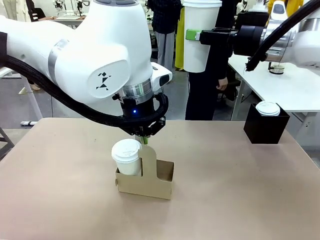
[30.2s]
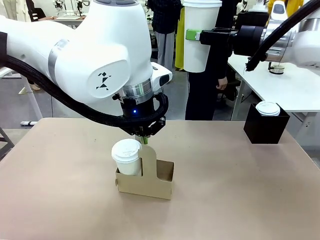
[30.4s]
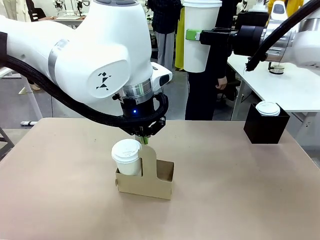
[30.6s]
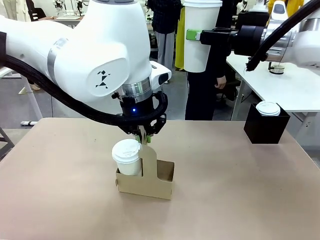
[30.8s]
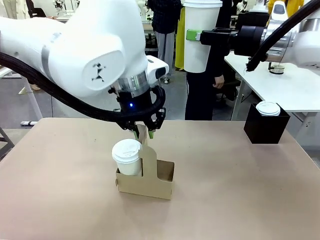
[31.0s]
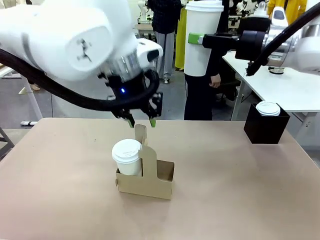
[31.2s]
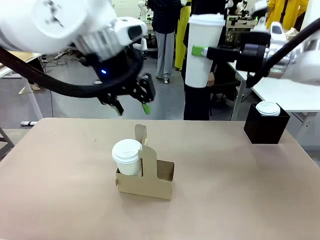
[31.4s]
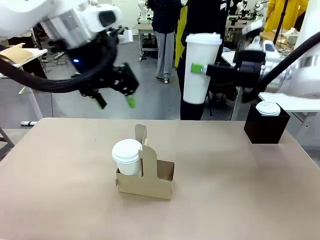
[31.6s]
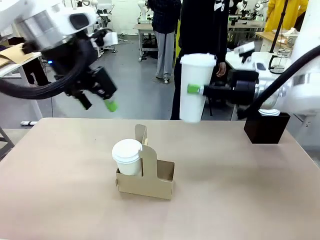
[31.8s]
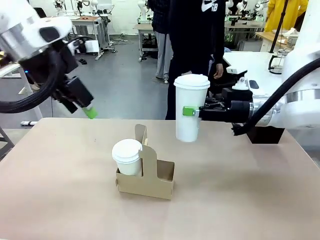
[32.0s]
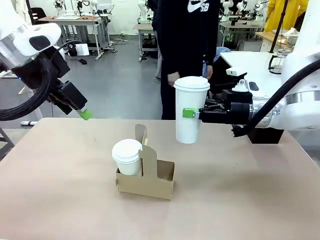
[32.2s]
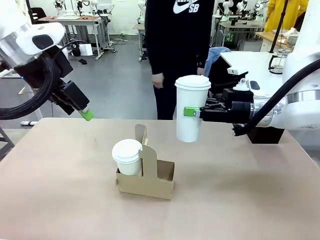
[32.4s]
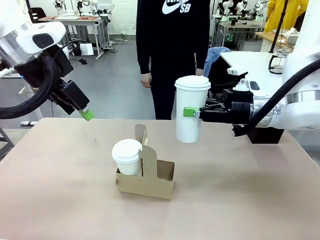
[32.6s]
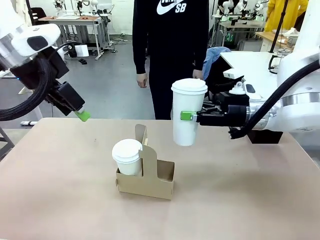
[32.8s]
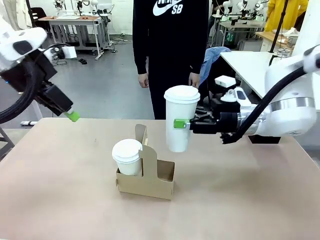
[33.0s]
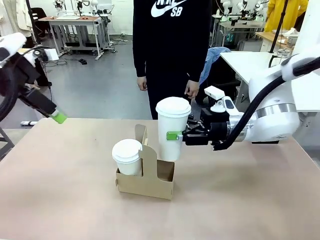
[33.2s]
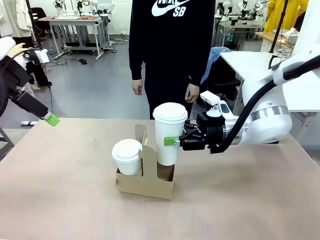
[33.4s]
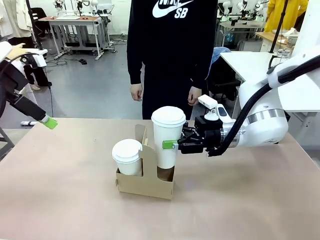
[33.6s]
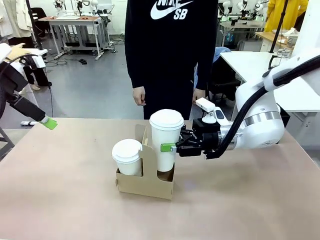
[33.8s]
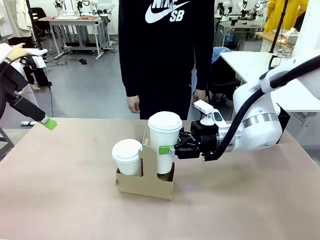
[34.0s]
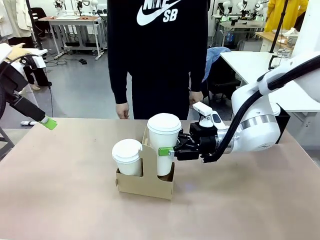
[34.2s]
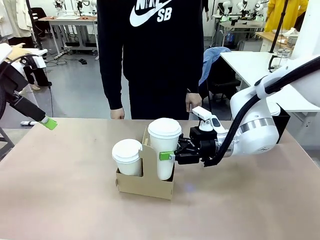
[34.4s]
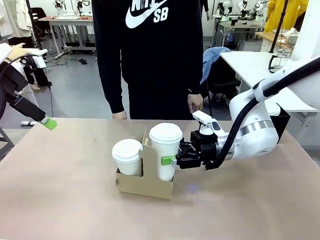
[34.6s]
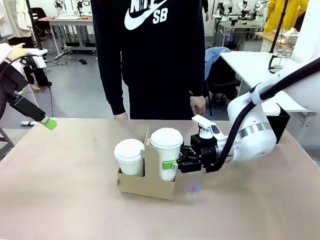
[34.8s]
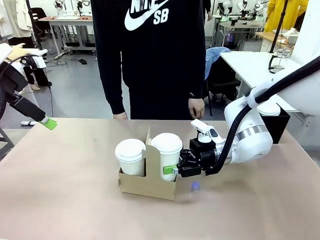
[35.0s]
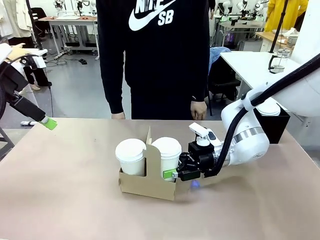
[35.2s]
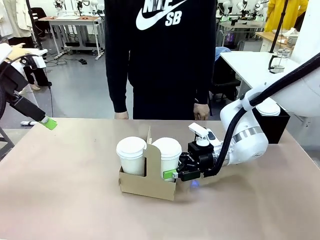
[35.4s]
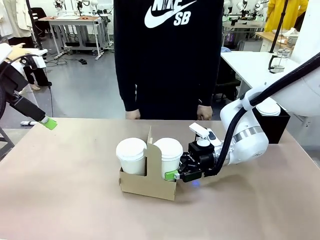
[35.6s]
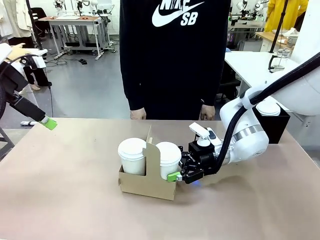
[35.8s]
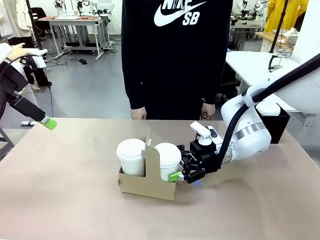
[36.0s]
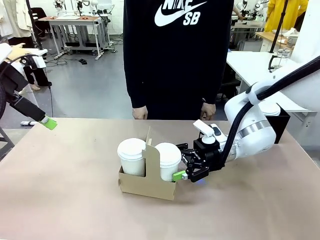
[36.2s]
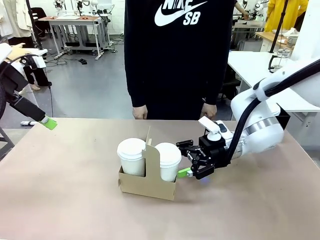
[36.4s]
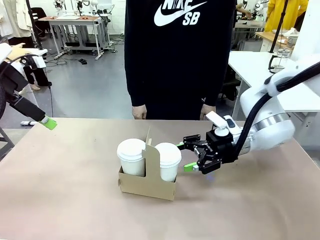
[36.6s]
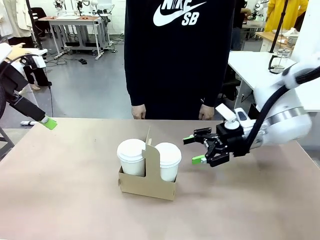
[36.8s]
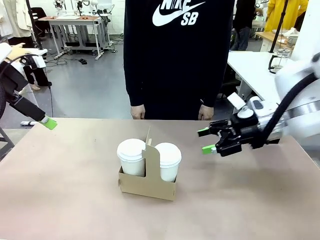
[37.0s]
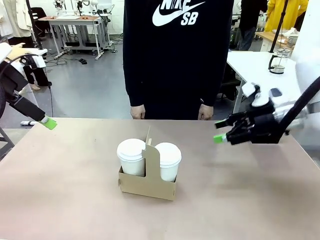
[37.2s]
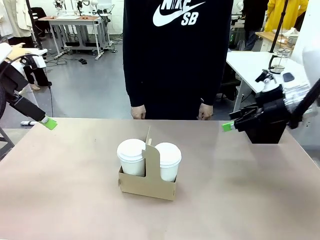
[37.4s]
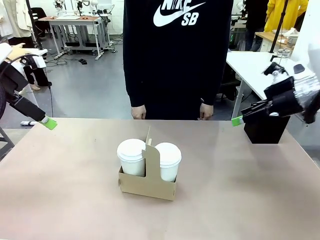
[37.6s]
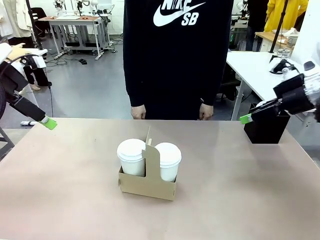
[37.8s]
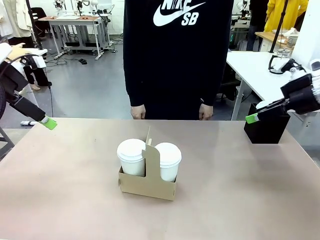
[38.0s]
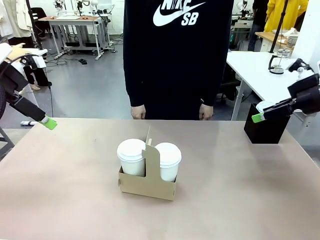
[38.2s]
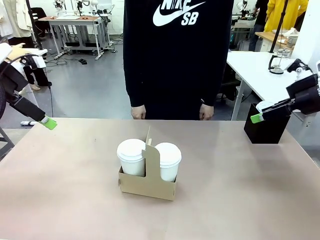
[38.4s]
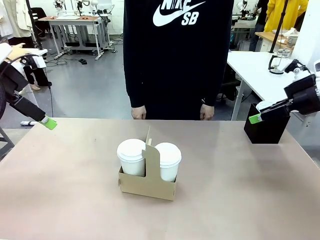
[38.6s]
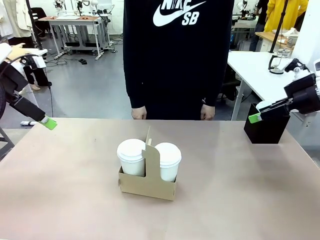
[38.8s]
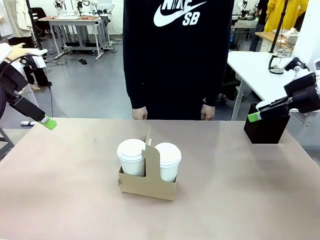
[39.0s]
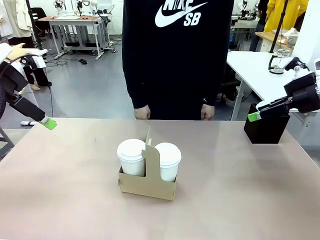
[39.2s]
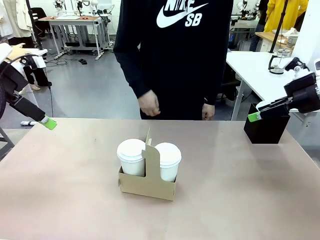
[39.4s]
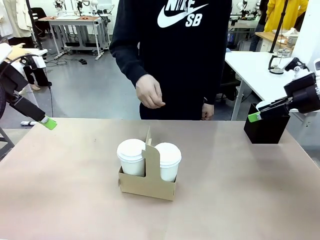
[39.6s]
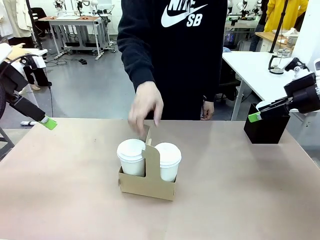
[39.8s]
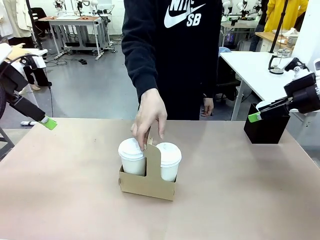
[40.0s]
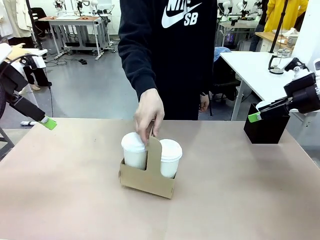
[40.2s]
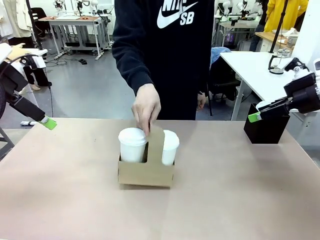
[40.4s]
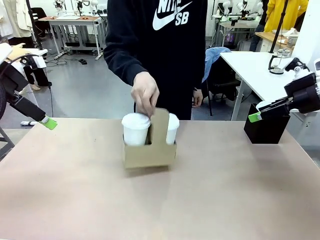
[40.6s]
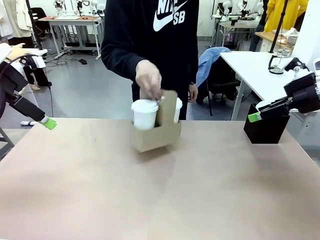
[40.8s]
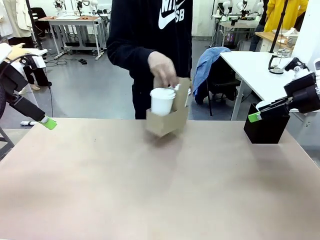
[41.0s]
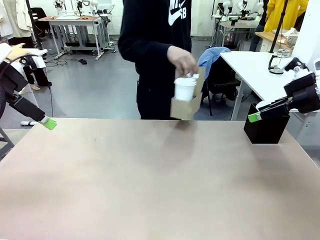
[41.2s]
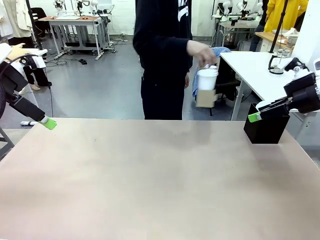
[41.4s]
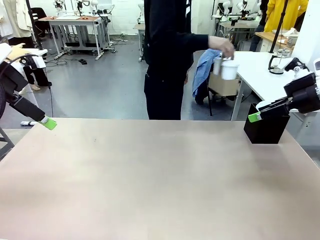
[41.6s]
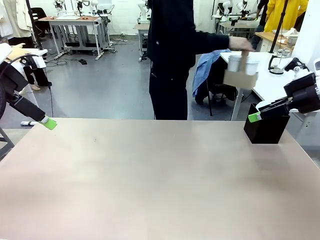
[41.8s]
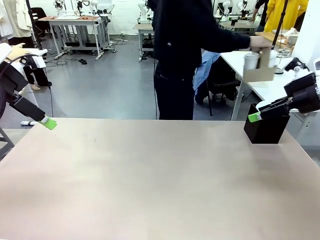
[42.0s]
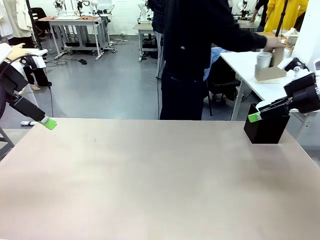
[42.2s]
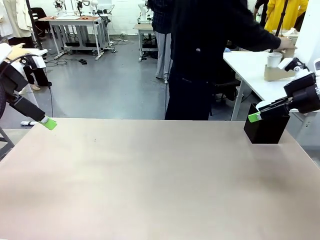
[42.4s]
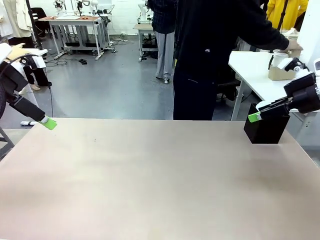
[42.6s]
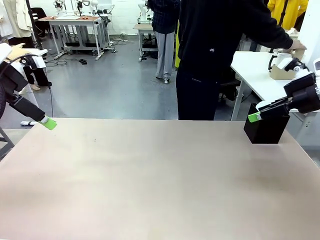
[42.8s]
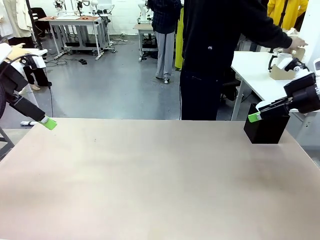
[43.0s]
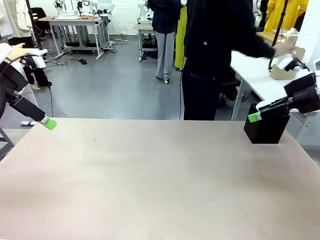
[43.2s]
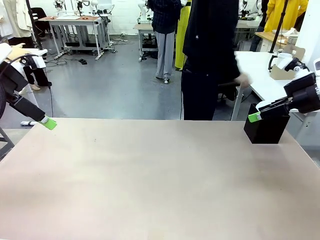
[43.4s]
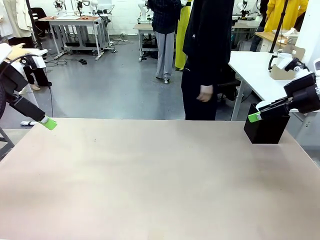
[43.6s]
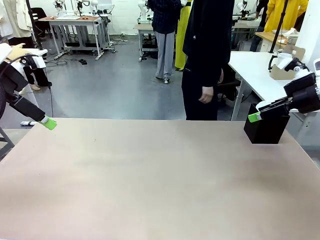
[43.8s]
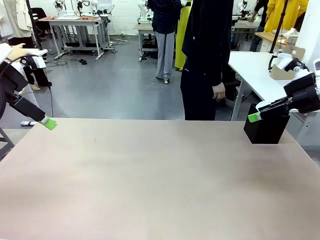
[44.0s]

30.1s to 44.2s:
Task: Pour a drink into a cup and package it in a carrier.
Robot: Insert the held 600 ml Paper Cup into the Cup Carrier.
Person: Place the Cup Carrier to the middle of Human table.

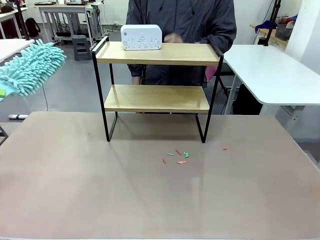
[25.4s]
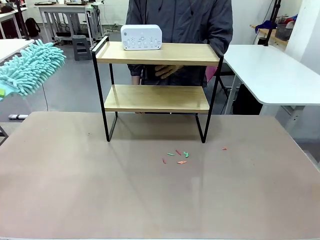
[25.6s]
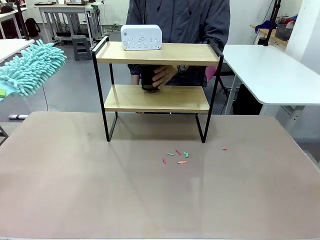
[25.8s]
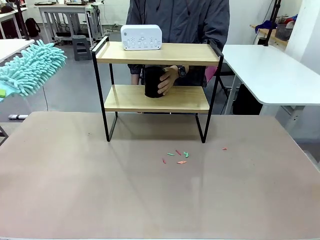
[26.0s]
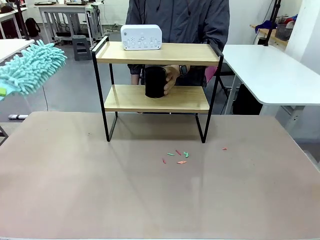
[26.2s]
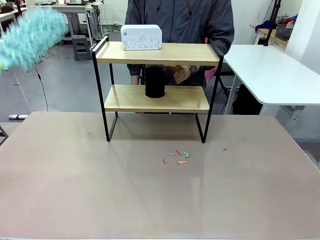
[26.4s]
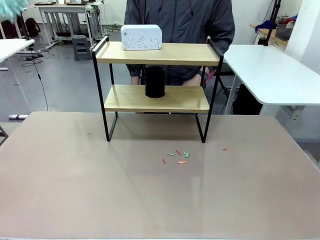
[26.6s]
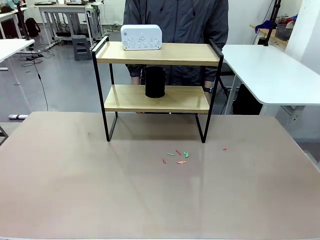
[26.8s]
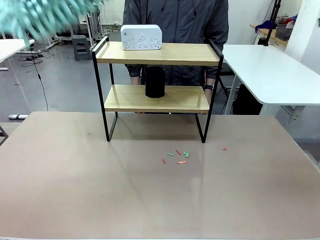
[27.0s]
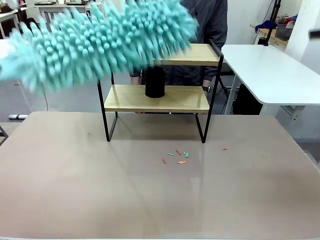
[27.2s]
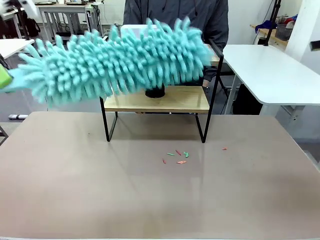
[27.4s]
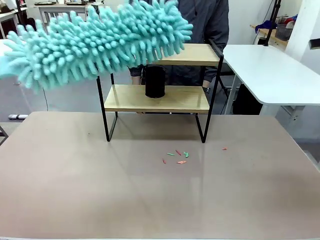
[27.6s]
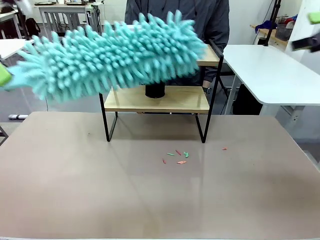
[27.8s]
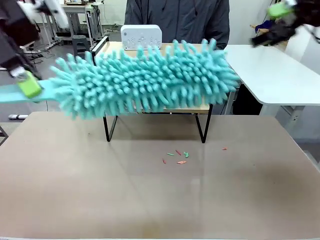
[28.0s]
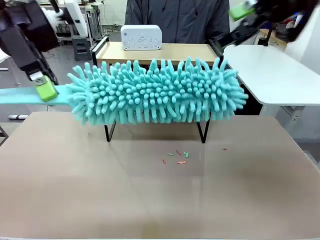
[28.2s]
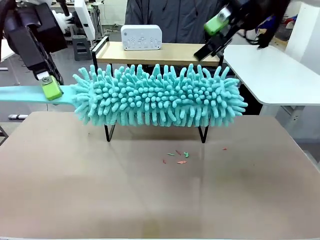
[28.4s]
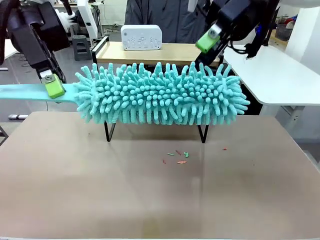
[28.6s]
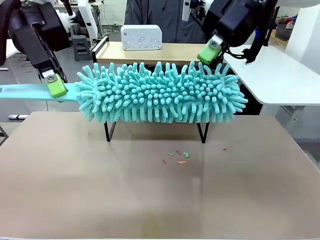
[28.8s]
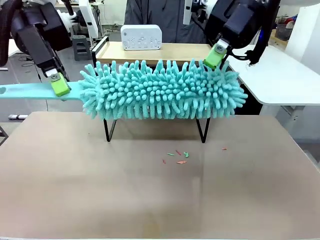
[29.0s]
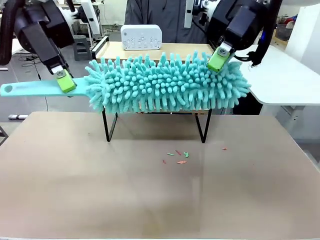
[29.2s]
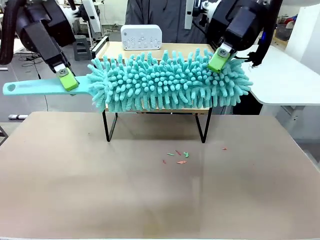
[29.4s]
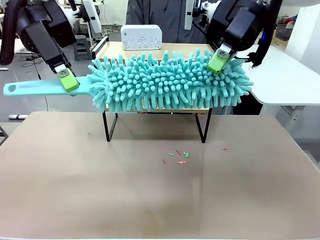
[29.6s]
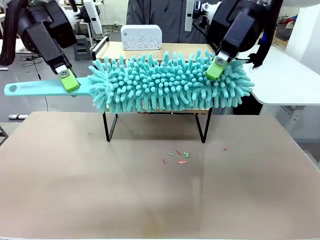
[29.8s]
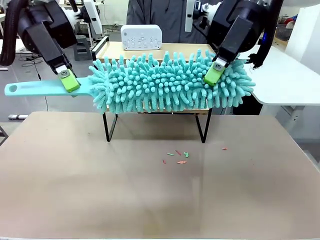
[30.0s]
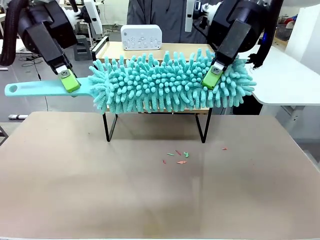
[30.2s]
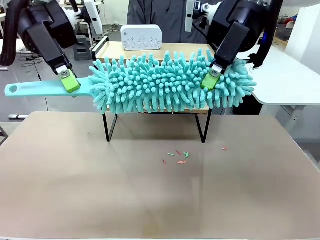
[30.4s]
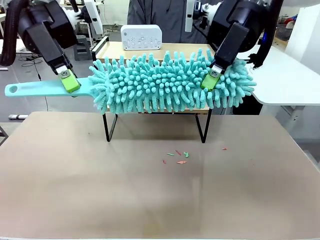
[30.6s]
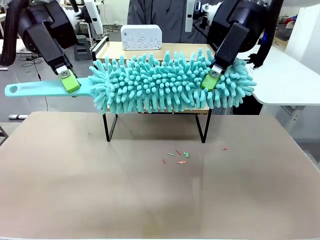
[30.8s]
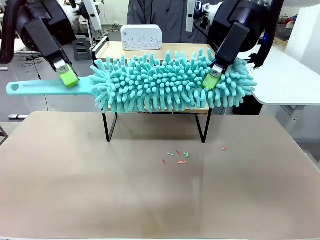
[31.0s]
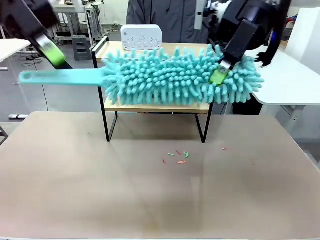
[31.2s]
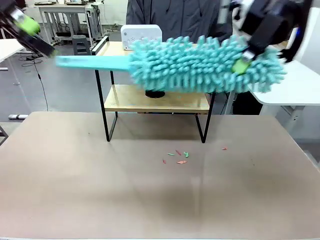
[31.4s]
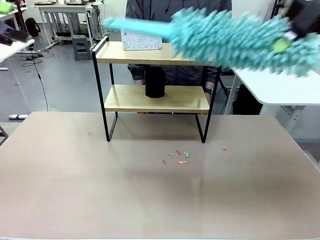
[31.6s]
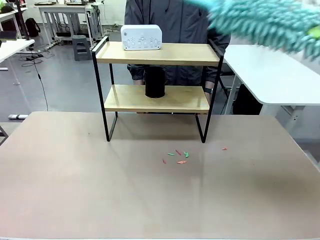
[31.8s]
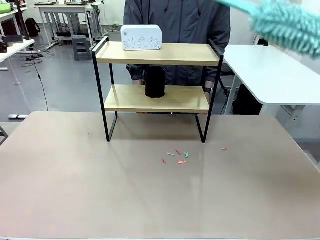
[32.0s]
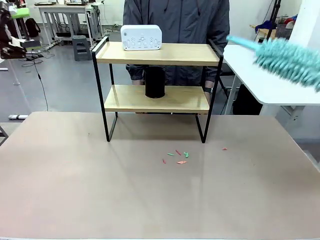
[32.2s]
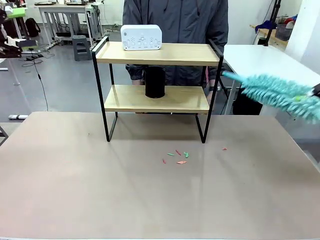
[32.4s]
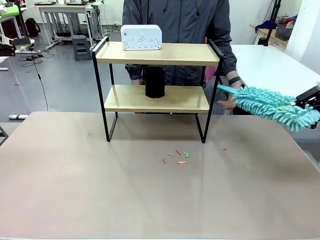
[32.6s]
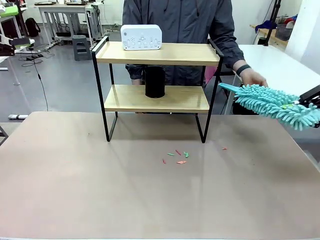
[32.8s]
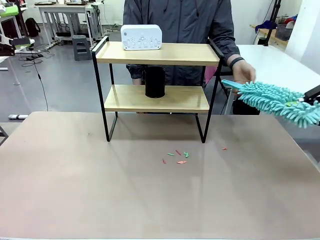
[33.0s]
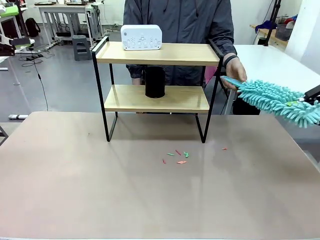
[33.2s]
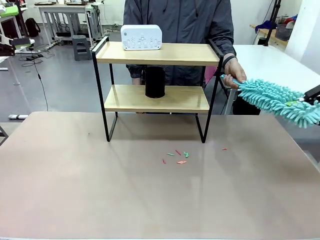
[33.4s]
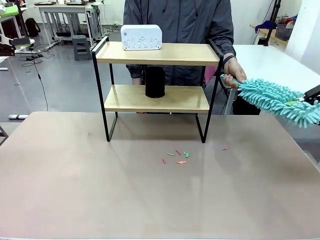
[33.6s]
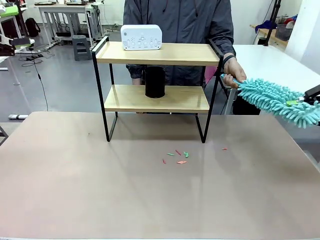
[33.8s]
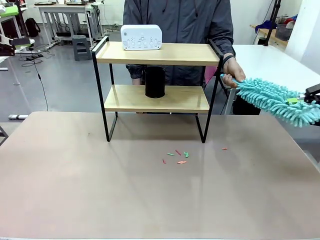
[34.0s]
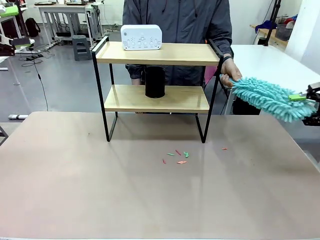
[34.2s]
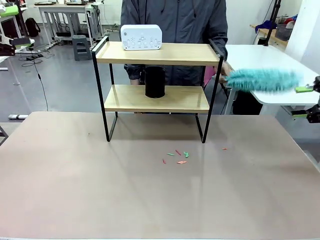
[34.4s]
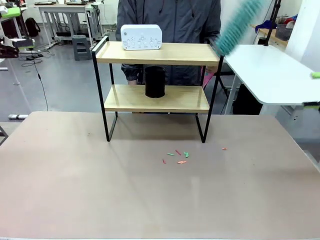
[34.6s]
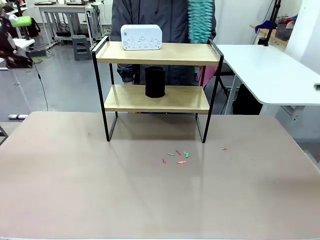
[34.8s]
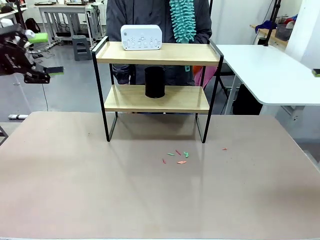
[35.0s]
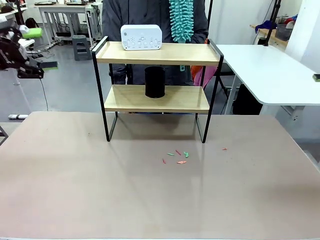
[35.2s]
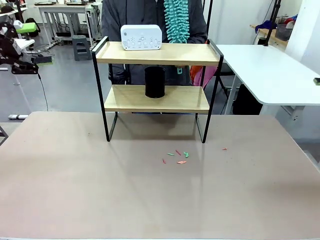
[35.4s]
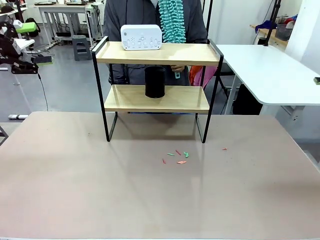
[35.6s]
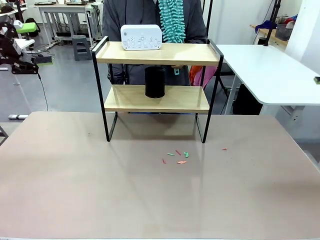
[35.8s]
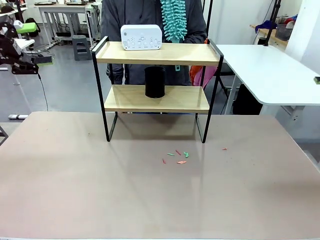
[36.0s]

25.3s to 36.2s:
Task: Clean the shelf.
Robot: Hand the Duster back to the human.
Person: Receive the Duster from the robot.
